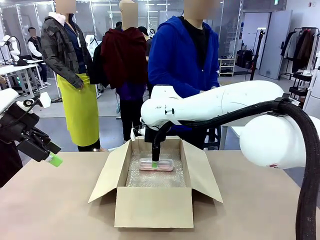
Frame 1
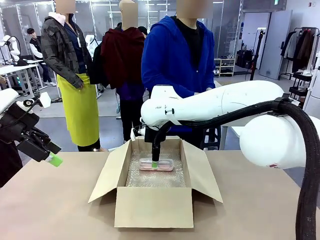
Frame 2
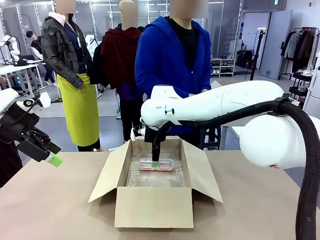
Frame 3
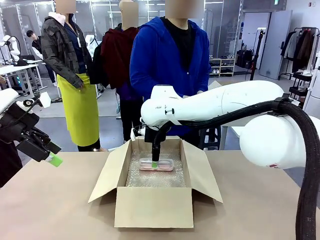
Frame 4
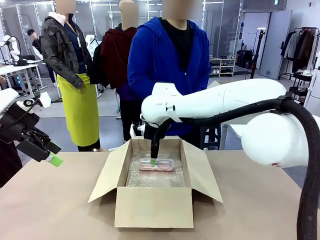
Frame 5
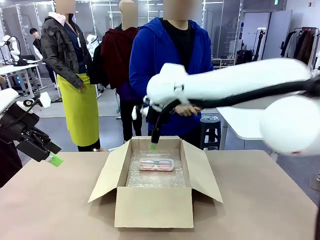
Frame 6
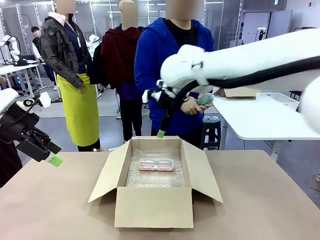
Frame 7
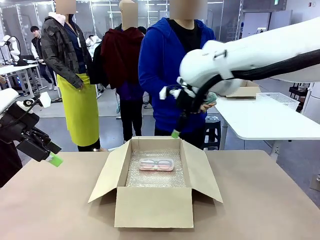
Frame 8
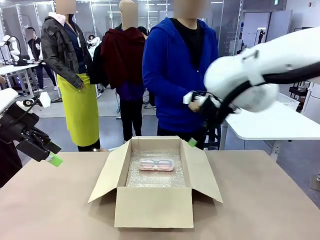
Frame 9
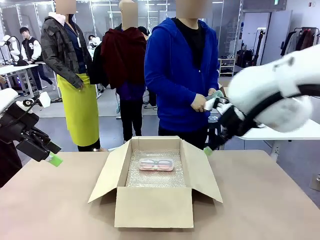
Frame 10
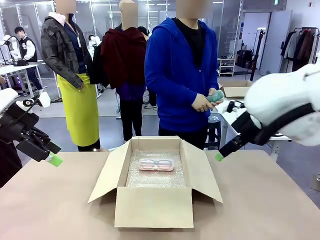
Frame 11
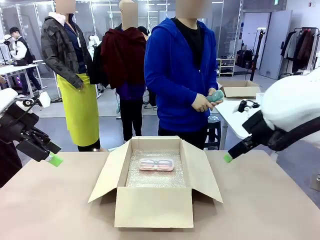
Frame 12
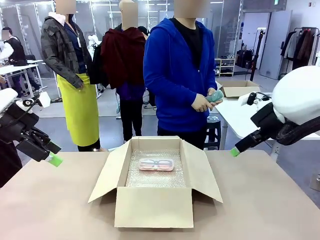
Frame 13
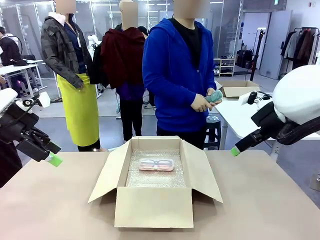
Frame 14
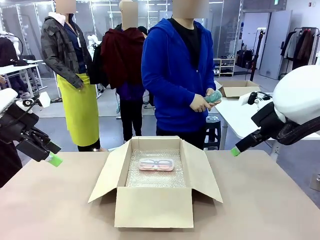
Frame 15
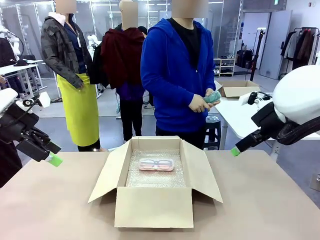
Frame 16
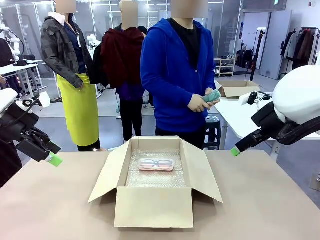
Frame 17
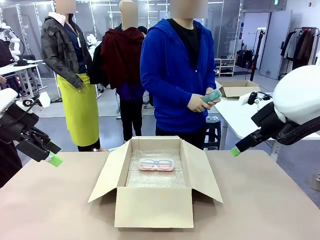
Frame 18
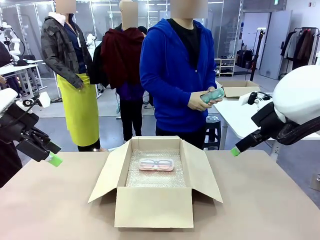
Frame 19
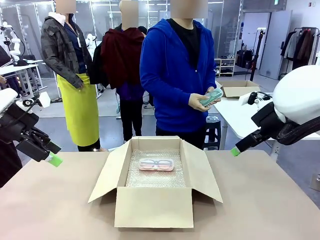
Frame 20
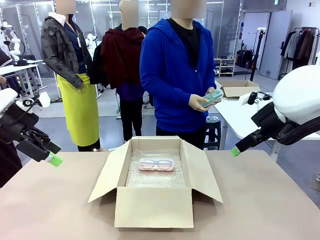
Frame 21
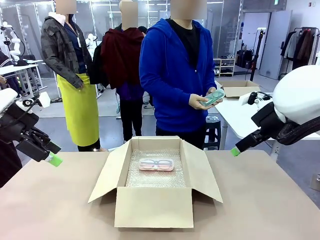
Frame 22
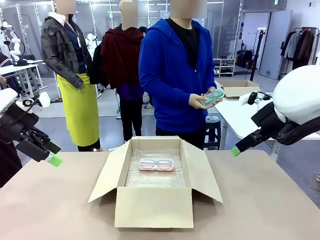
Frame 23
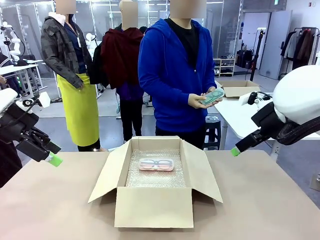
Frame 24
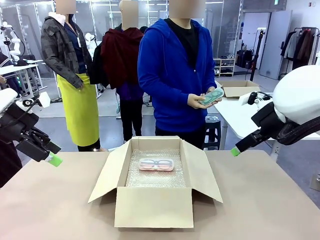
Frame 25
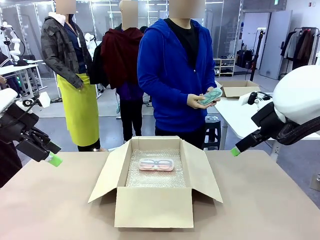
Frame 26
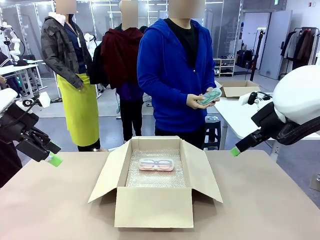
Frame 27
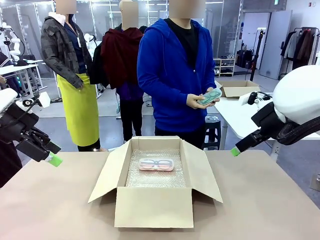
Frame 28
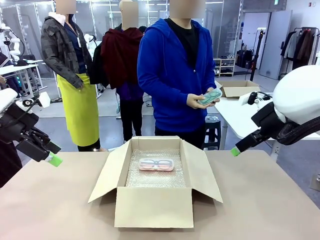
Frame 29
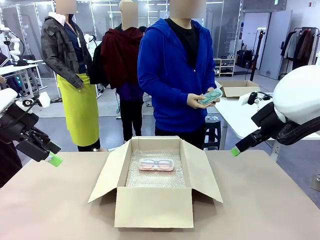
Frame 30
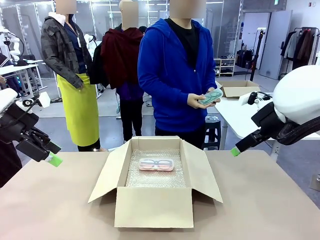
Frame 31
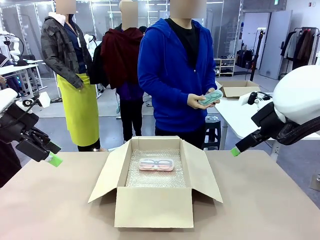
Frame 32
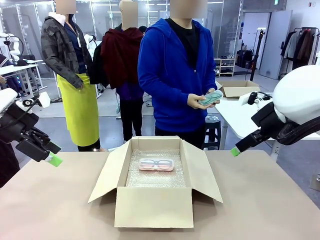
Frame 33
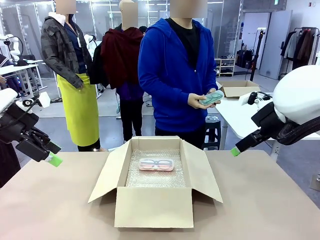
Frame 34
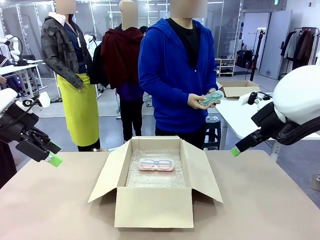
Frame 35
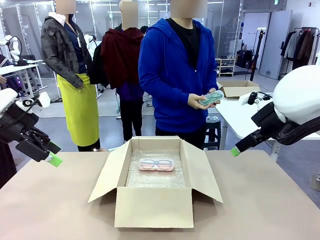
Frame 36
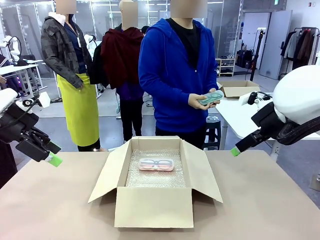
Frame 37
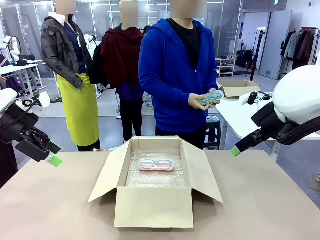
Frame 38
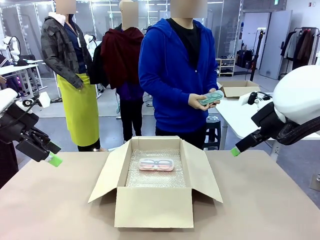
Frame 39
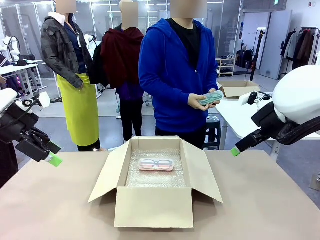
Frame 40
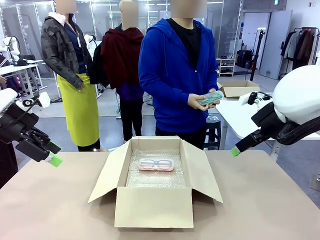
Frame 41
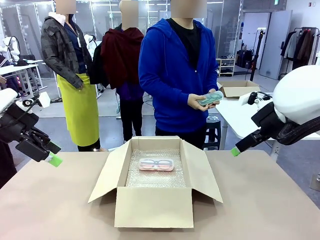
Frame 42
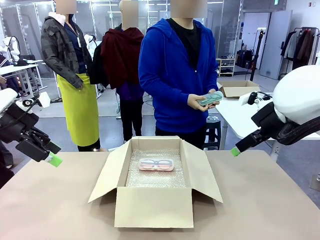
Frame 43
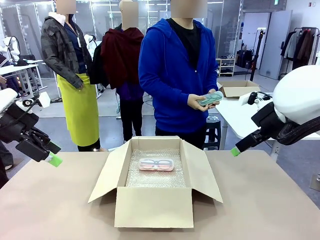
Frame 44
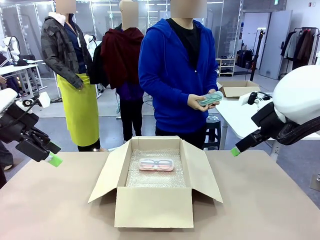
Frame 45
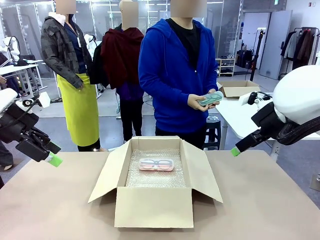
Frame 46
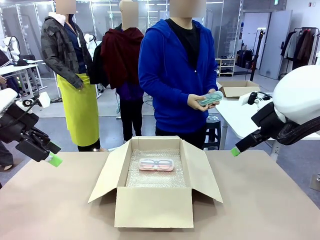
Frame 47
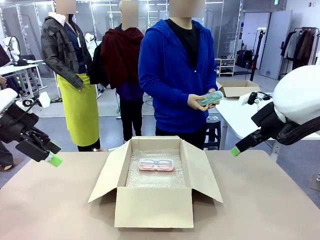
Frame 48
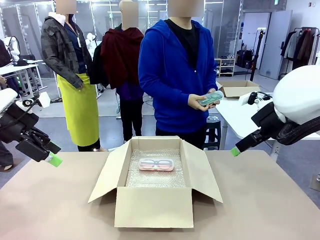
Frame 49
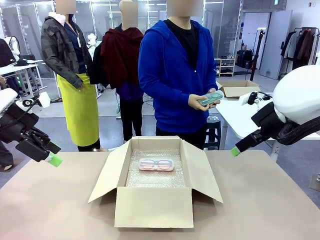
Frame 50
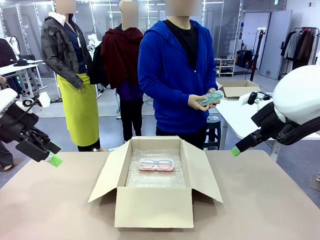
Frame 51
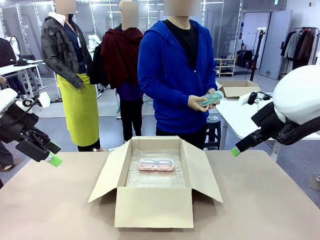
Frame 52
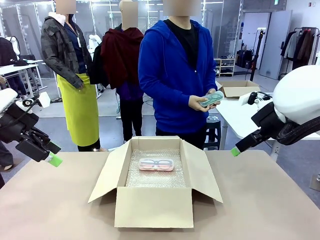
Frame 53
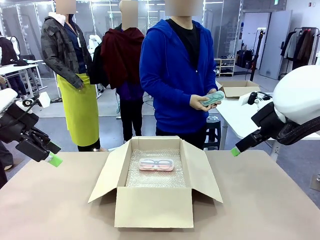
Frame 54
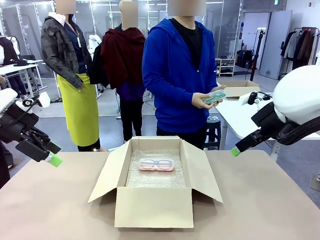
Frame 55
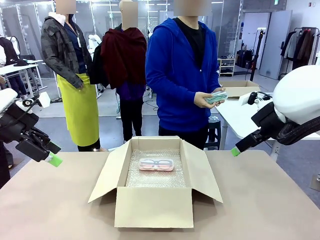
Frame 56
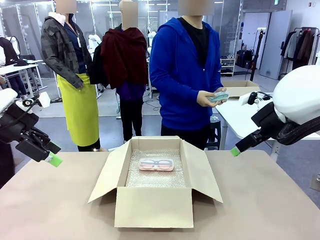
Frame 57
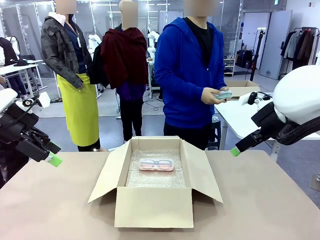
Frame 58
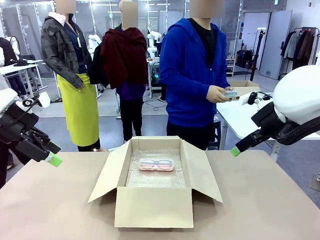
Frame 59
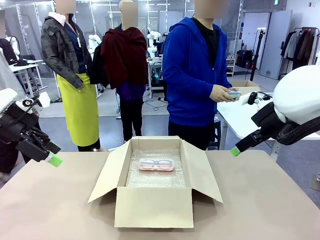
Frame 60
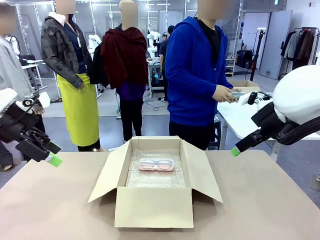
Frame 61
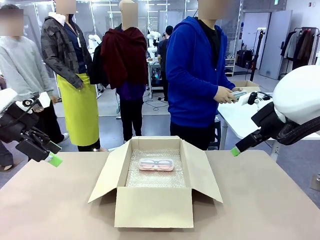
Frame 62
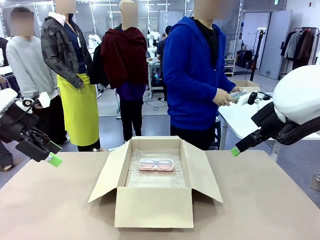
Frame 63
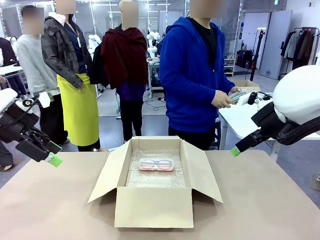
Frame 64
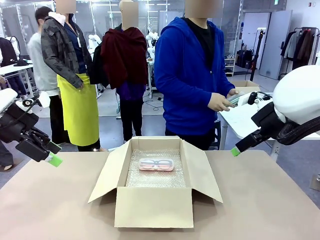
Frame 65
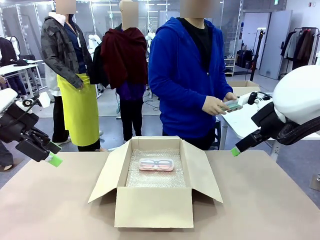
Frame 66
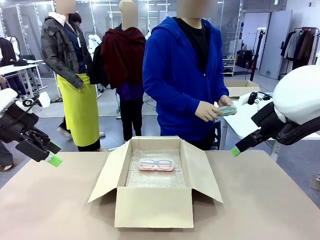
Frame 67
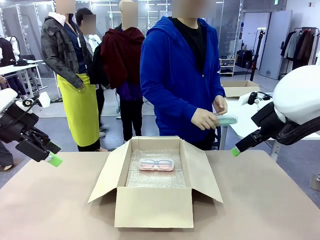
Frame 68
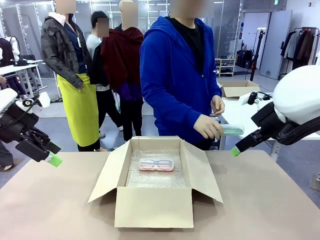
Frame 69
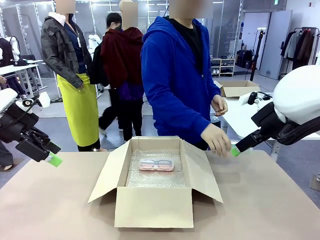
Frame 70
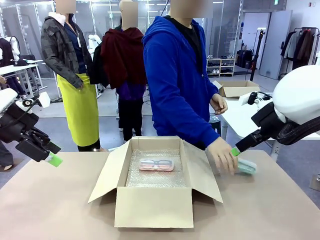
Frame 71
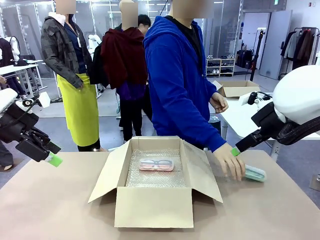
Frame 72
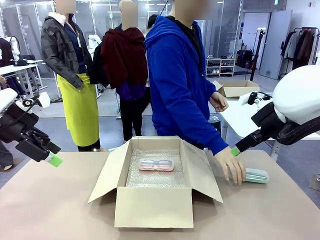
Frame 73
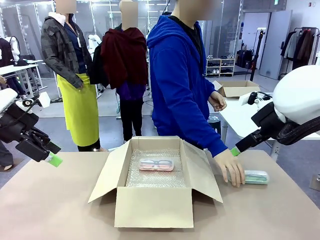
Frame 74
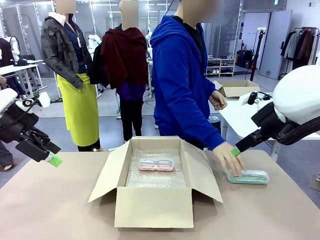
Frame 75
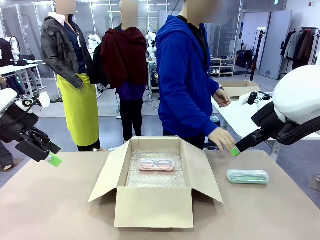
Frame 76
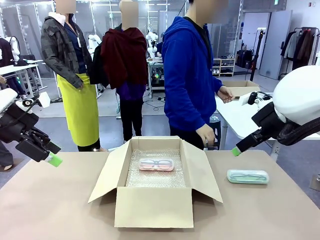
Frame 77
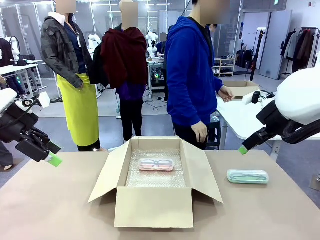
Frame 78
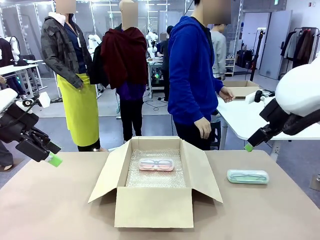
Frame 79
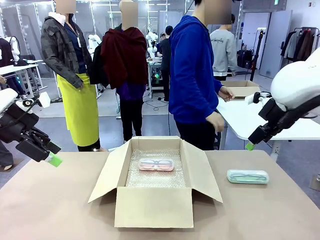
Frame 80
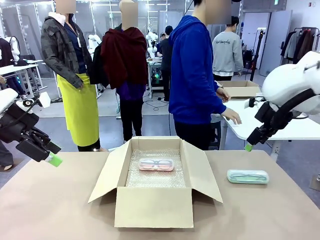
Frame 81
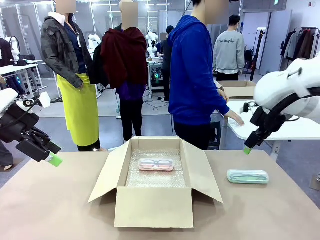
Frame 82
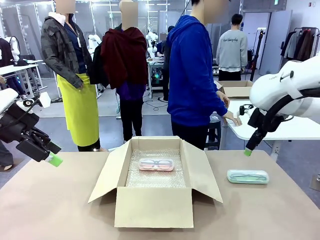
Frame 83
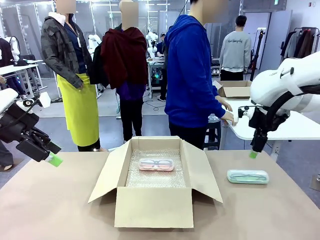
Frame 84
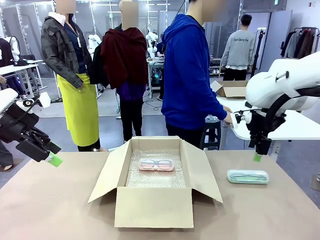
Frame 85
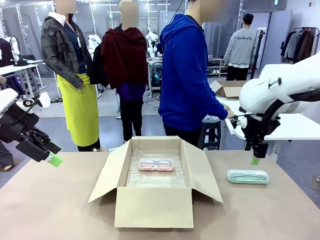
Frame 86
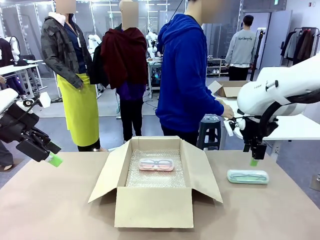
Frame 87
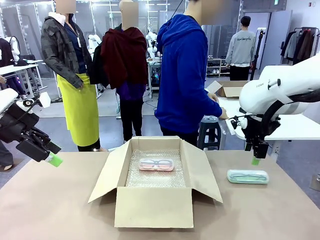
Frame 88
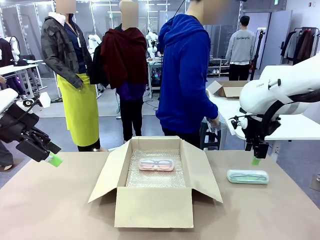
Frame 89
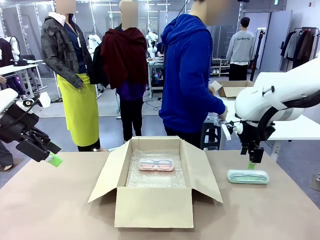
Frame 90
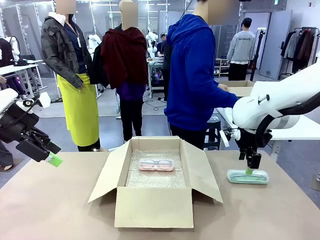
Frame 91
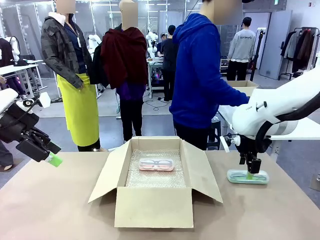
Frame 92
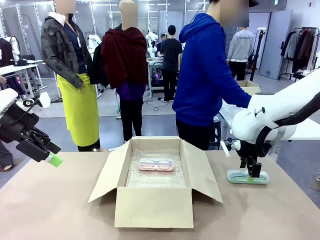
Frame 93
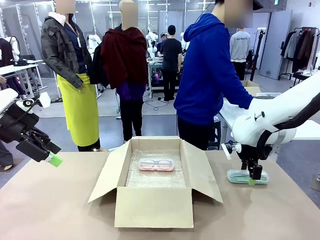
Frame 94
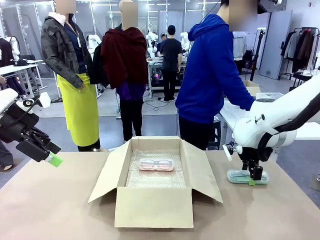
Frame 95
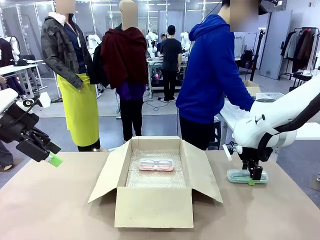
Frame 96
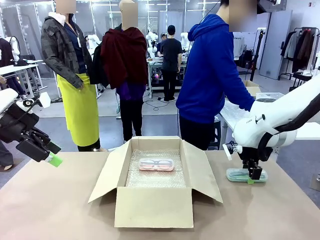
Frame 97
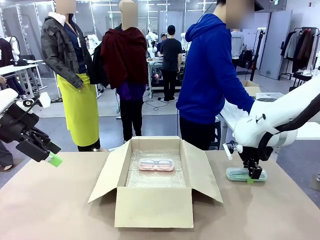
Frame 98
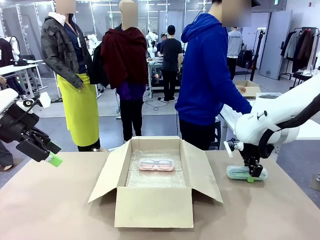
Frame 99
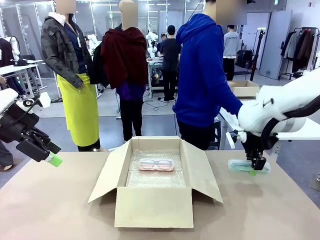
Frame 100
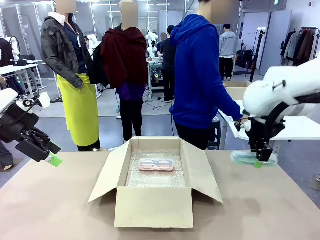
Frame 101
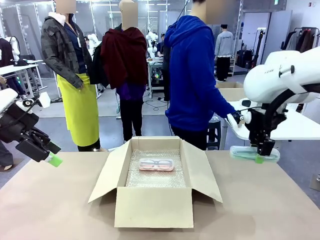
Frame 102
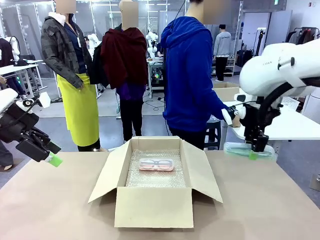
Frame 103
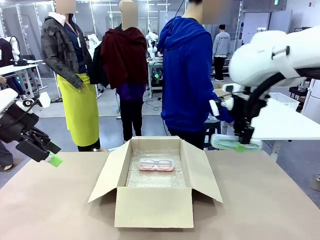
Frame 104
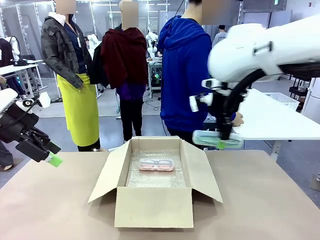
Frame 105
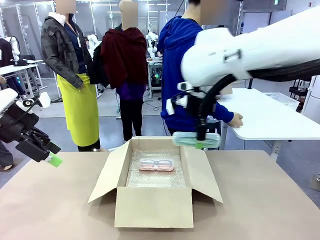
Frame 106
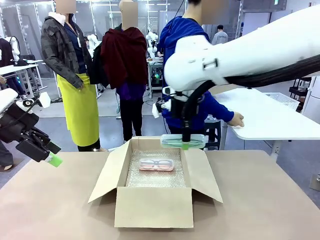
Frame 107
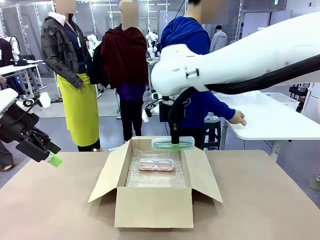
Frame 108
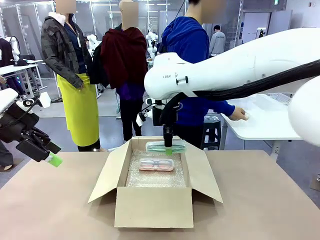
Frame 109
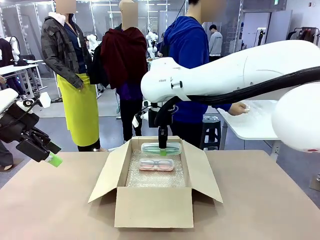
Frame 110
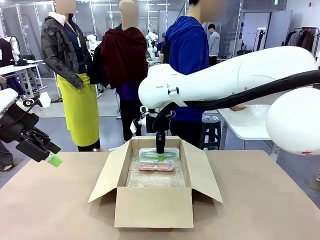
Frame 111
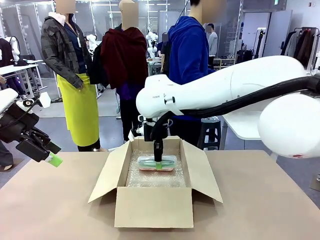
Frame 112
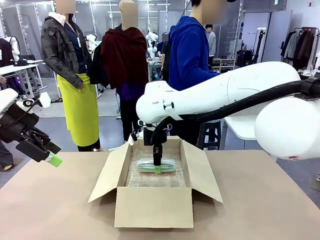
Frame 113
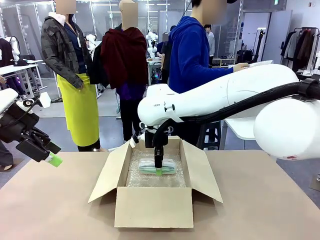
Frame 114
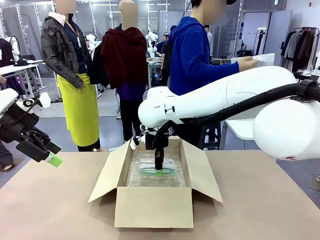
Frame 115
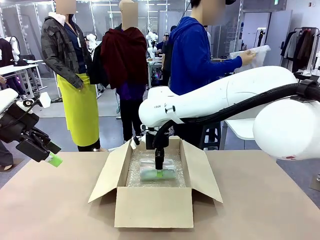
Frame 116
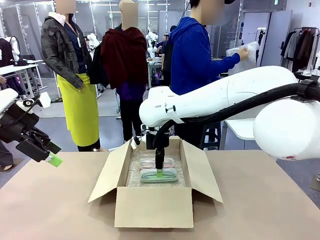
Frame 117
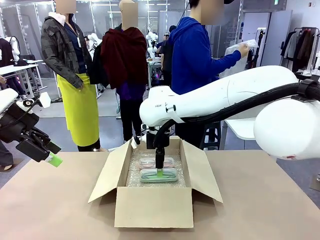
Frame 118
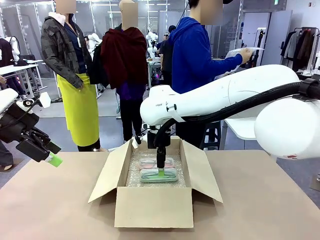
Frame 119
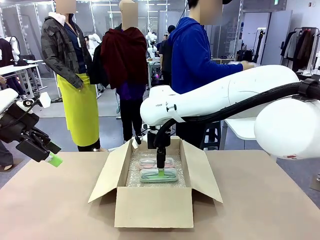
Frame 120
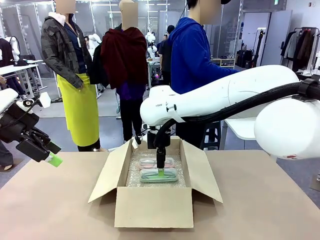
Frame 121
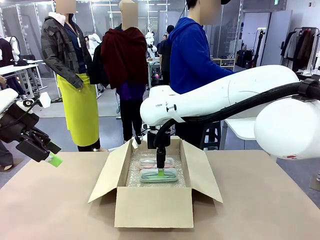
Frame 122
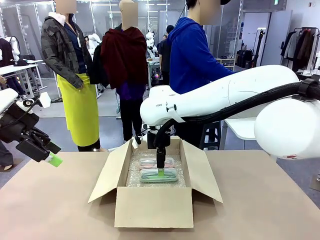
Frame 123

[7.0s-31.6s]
Task: Pack the glasses set securely to prepare it for shipping.
Robot: Put the Glasses case from the right side of the table into the Package Box.
Person: Position the Glasses case on the left side of the robot's table.
